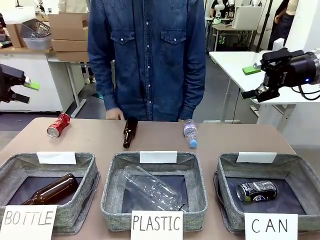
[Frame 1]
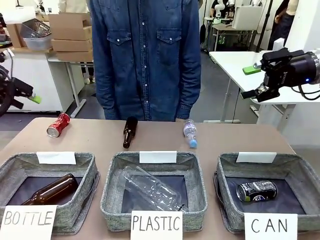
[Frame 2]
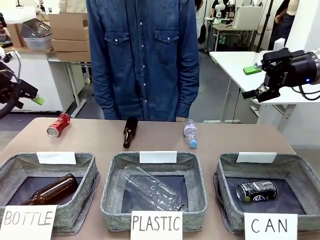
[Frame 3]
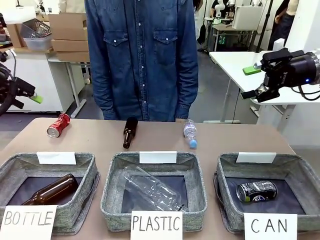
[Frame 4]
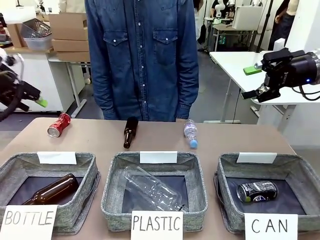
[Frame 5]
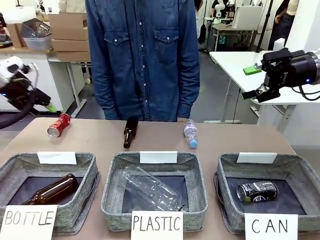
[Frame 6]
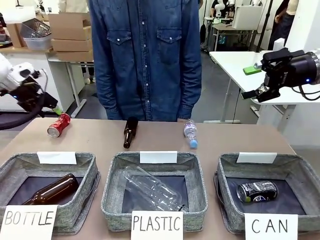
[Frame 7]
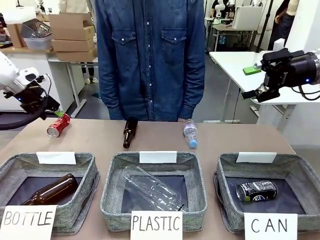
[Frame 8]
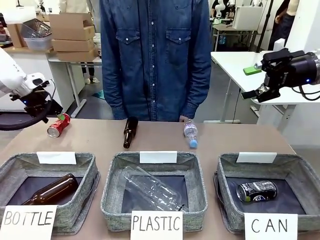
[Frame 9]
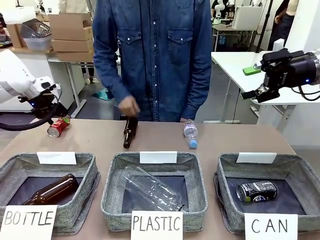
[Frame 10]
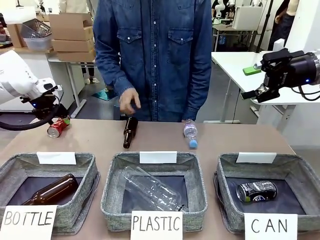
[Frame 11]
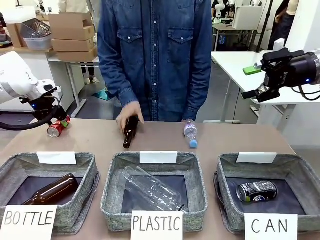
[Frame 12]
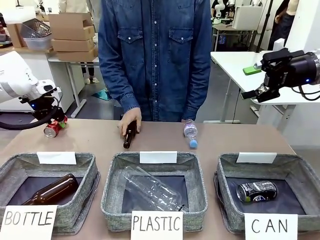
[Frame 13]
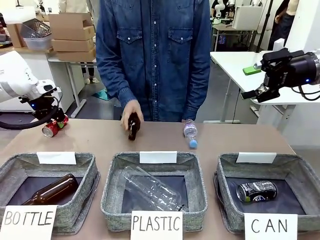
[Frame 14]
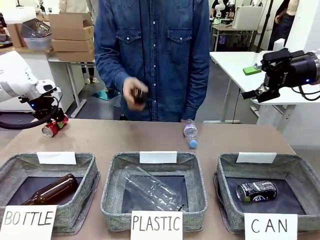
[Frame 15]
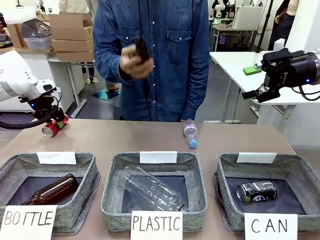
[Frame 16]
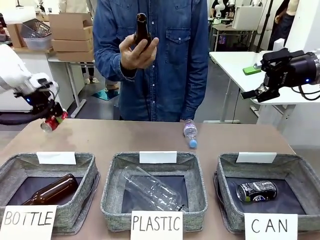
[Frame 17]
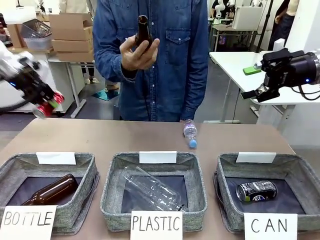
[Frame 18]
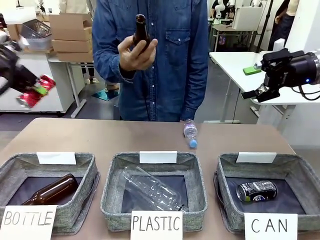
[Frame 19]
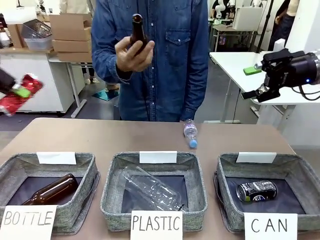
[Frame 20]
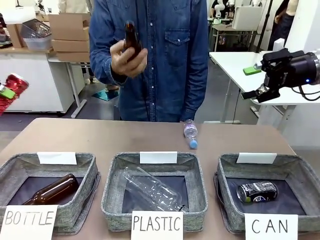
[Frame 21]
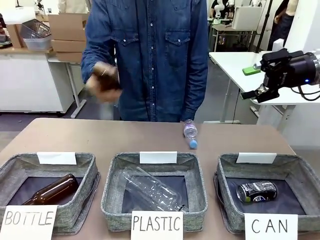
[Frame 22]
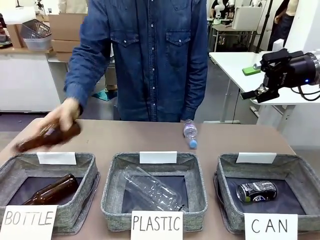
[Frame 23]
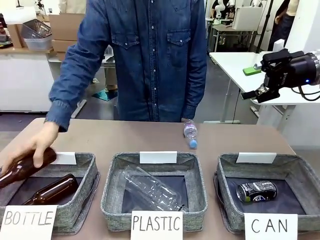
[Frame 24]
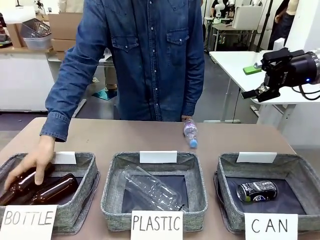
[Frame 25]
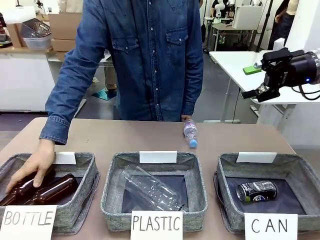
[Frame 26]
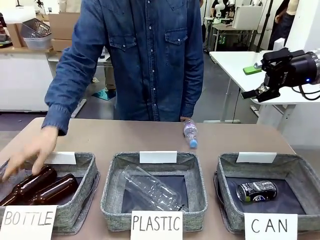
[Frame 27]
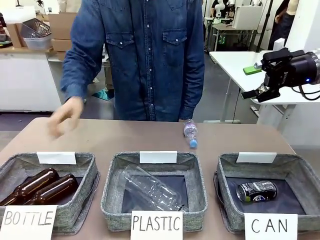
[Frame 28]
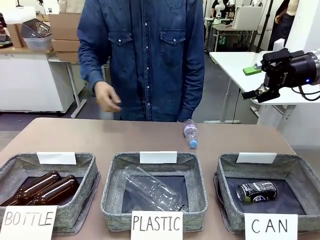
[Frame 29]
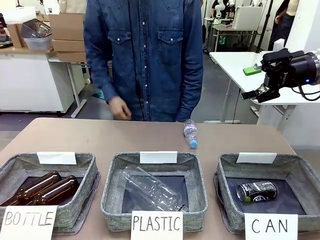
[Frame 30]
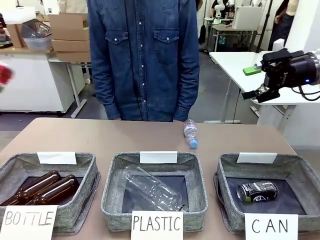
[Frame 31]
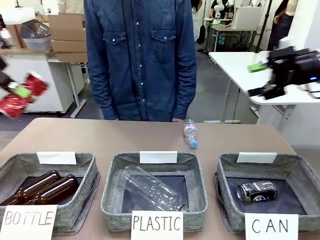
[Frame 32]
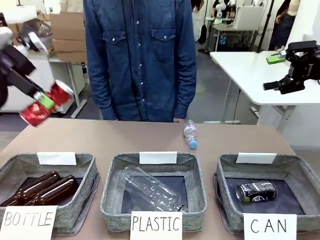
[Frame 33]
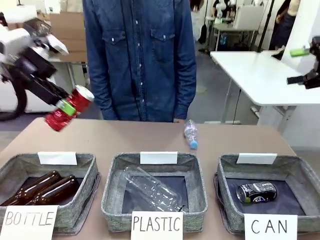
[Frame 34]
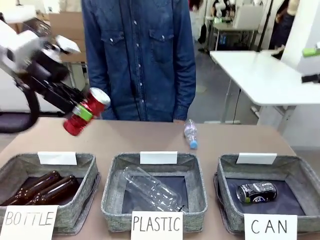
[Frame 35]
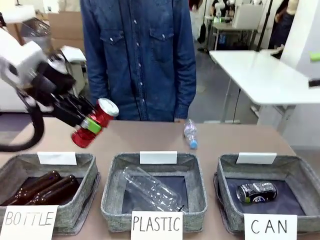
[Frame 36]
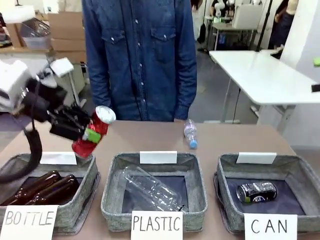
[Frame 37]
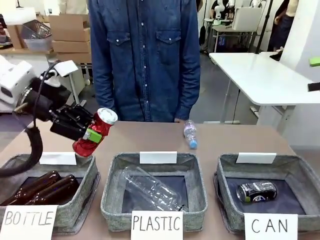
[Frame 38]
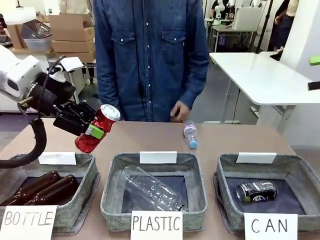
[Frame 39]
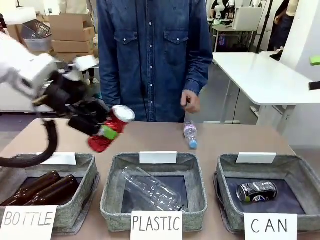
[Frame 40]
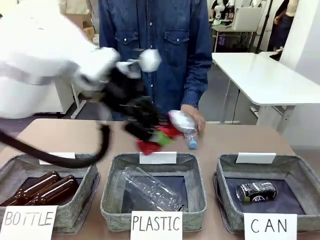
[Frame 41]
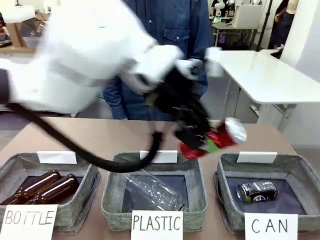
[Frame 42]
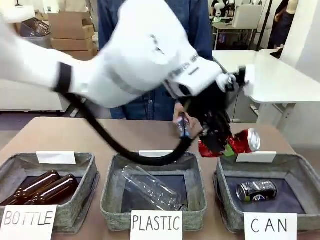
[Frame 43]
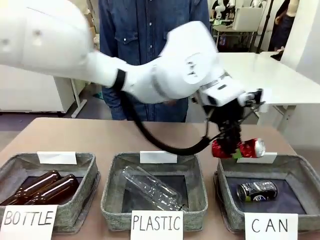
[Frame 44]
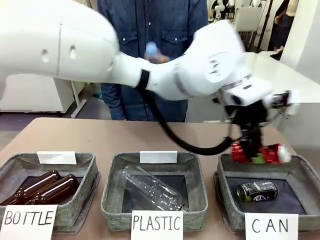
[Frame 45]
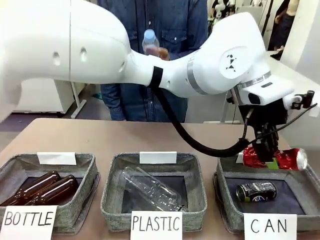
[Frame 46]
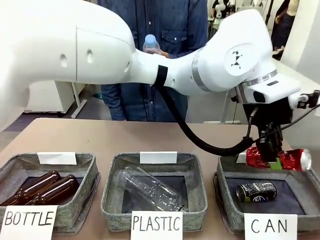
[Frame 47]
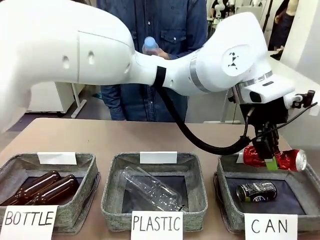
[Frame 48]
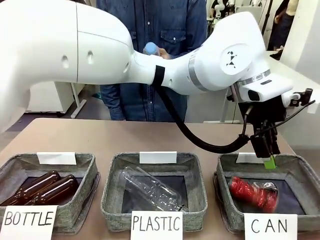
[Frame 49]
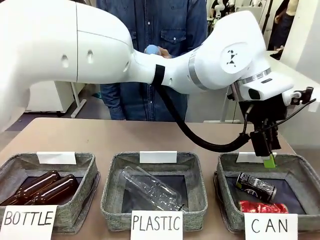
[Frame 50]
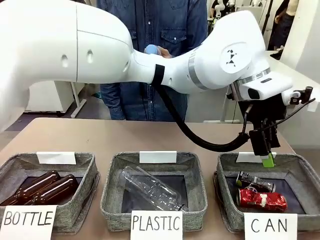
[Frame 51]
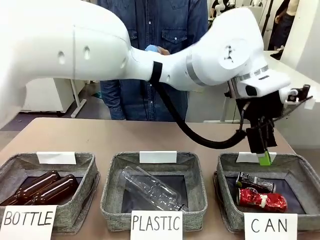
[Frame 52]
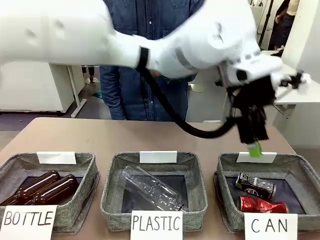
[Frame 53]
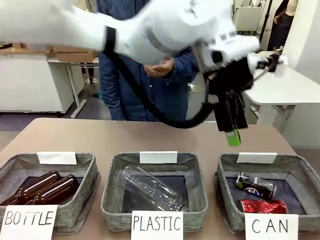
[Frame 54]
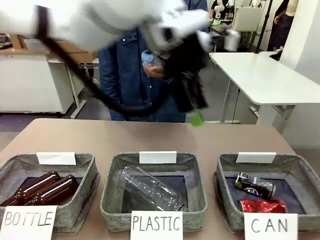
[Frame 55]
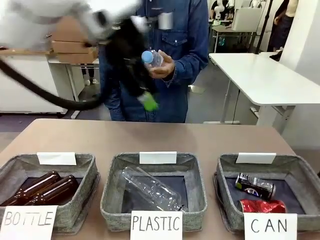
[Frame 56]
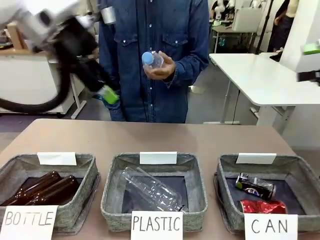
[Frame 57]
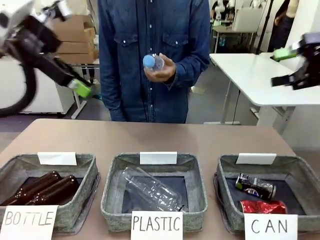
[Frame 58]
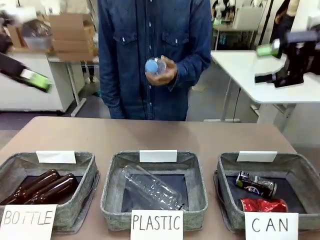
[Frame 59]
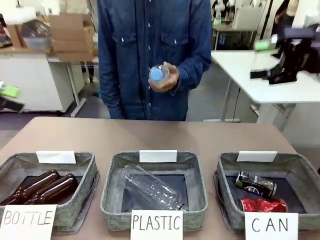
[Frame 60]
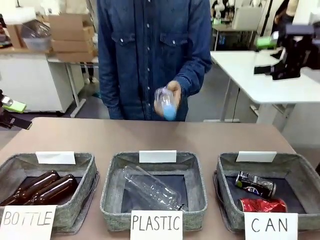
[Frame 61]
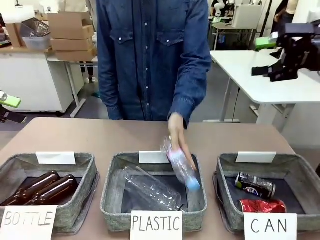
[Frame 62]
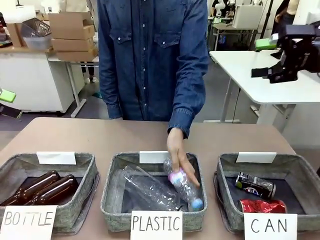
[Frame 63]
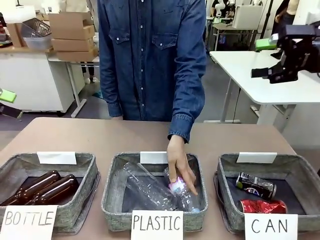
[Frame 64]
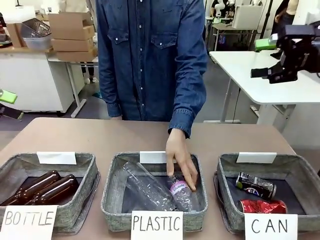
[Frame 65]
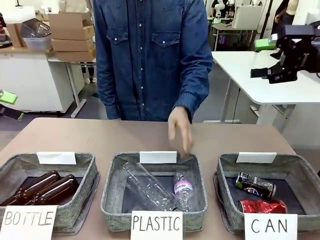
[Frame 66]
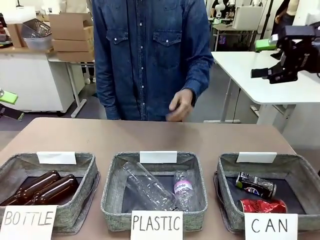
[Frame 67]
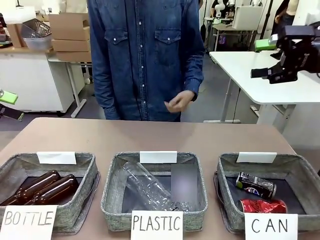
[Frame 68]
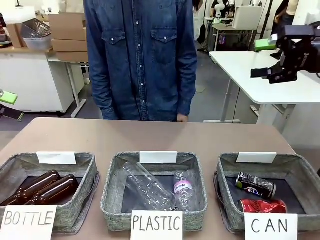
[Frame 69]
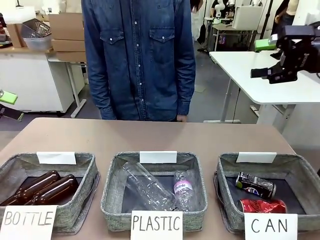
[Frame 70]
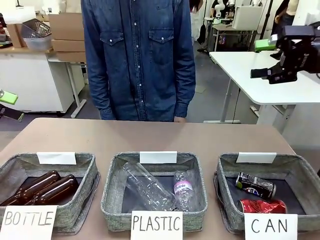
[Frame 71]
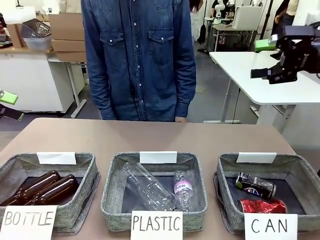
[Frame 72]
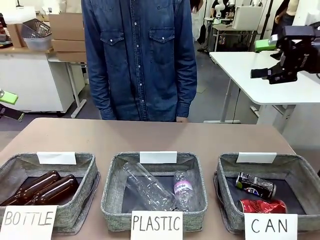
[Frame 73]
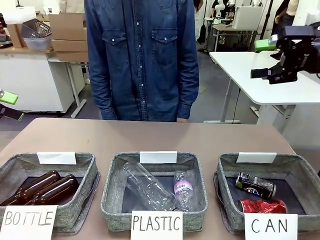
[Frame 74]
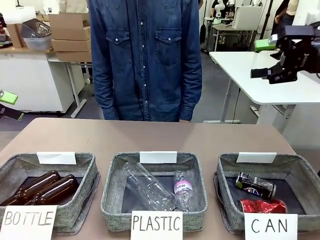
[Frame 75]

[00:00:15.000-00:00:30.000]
Task: Sort the can waste into the basket.
Robot: Pick up the can waste from the table and place it in the right Fabric basket.

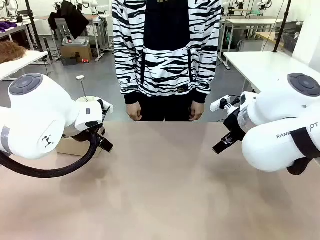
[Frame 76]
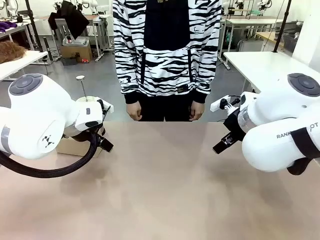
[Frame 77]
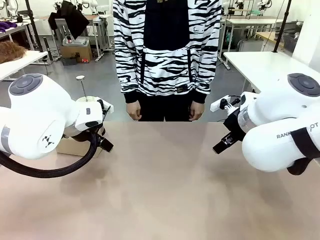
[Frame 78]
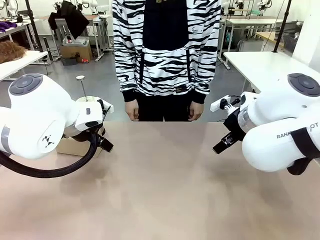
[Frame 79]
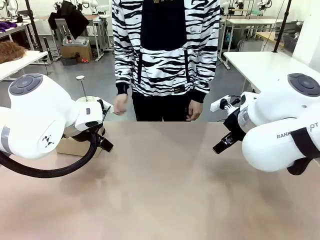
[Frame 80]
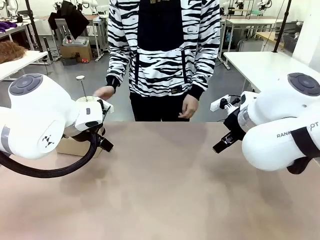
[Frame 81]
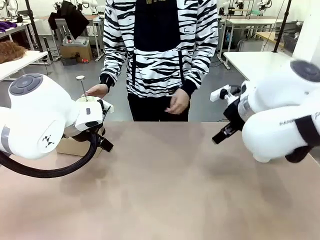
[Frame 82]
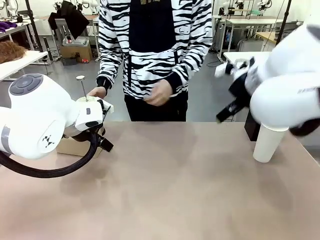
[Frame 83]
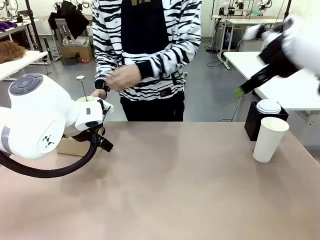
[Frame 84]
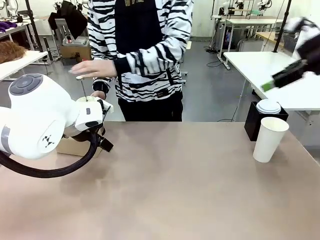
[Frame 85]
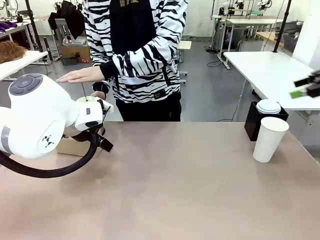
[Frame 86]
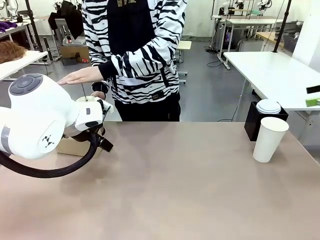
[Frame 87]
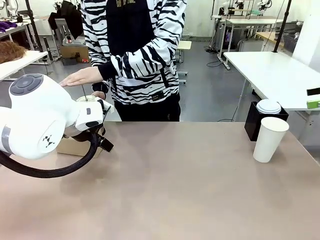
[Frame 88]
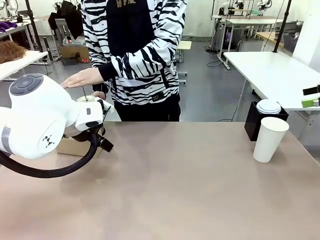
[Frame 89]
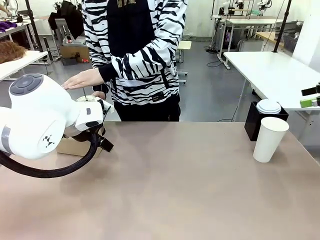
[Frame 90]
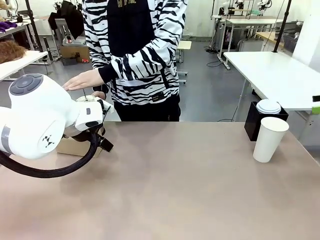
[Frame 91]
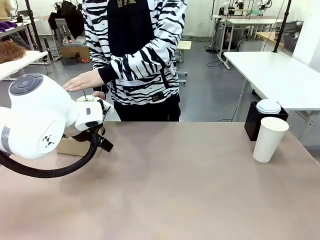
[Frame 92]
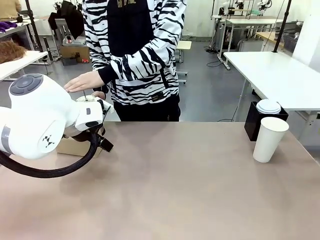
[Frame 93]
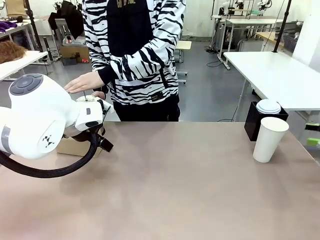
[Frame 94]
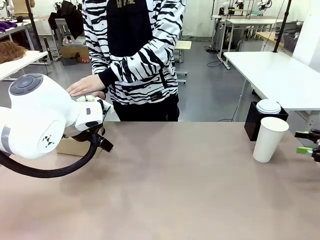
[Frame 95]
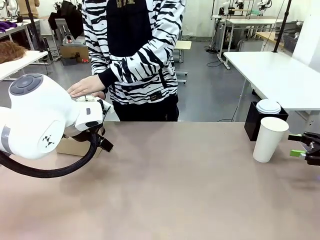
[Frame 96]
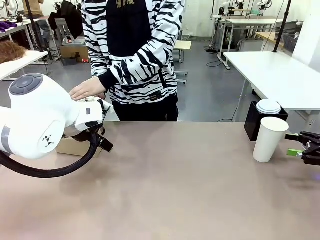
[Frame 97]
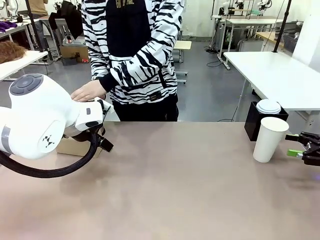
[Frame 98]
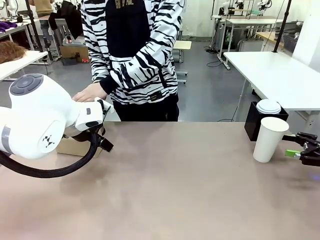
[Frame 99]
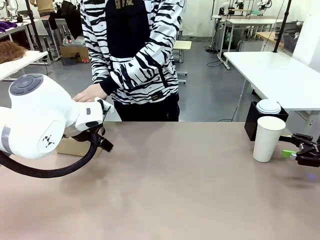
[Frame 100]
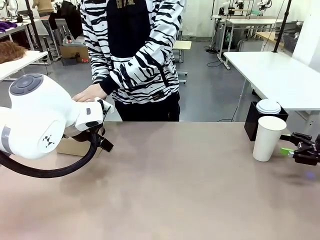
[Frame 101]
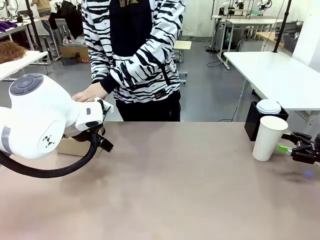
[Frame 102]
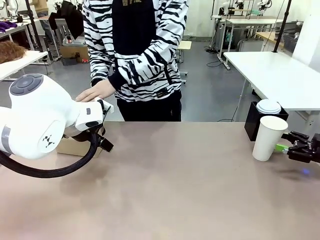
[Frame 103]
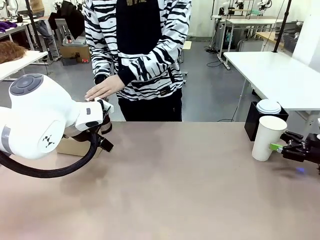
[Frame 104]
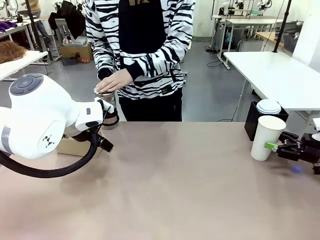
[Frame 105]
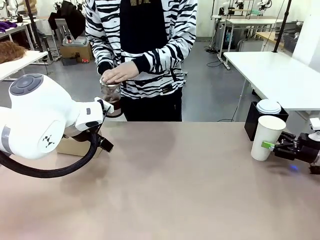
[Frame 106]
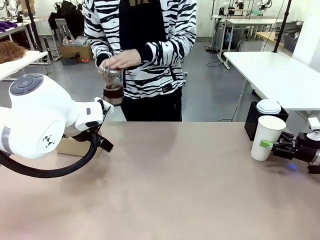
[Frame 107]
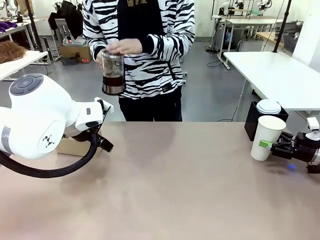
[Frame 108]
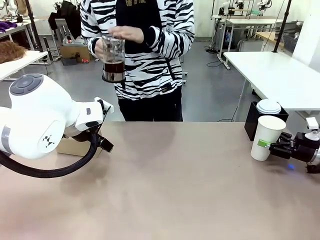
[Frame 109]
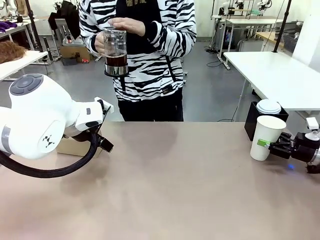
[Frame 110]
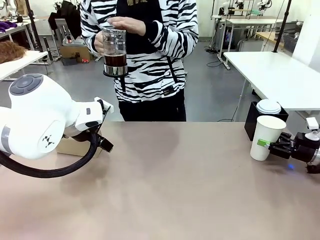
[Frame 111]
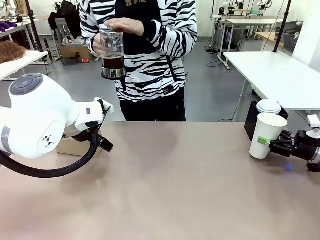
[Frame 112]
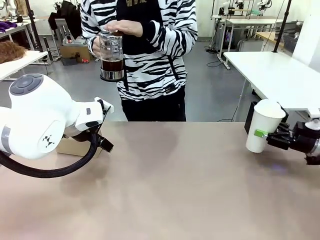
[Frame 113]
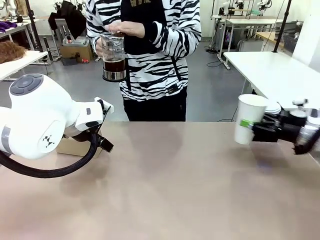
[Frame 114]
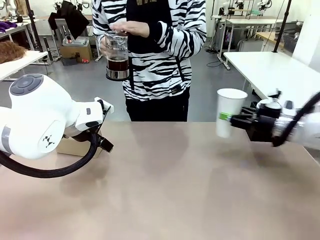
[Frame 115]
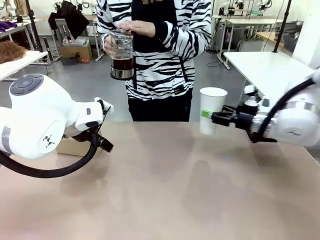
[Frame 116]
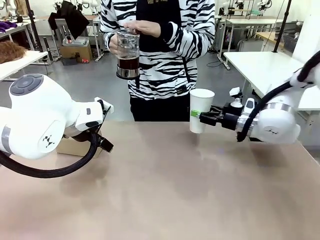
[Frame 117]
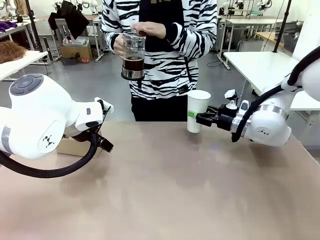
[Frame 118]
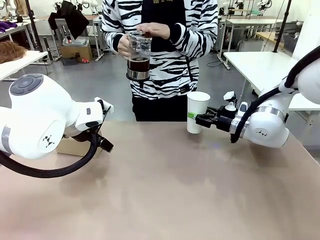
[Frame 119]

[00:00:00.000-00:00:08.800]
Task: Pour a drink into a cup and package it in a carrier.
Robot: Pick up the 600 ml Paper Cup and place it in the middle top area of the table.
Person: Press and pick up the Filter Brewing.
